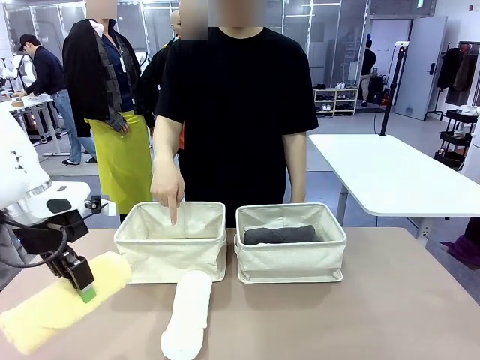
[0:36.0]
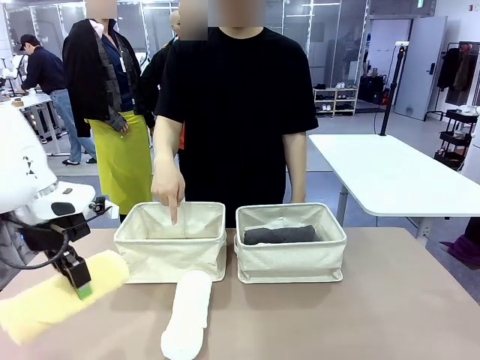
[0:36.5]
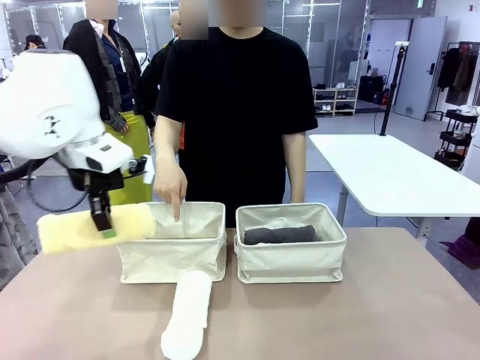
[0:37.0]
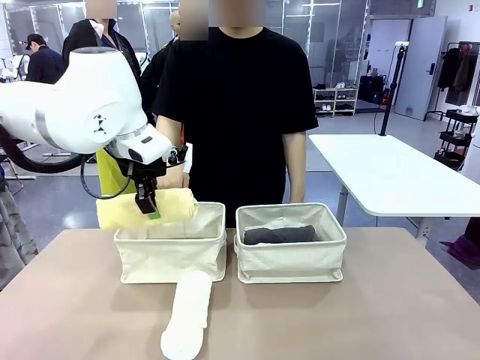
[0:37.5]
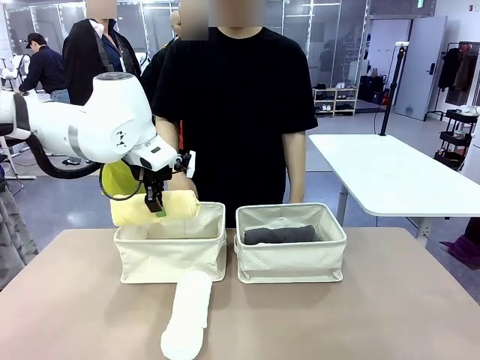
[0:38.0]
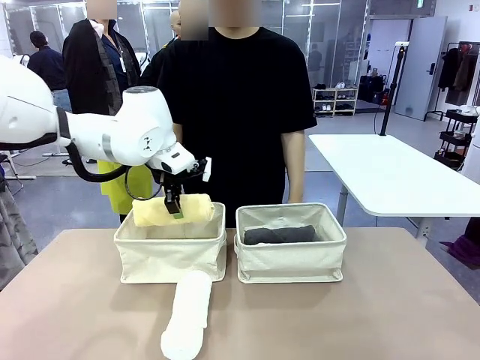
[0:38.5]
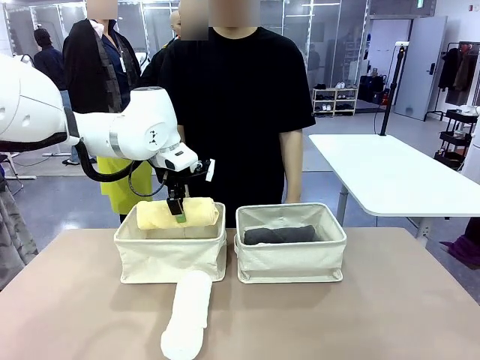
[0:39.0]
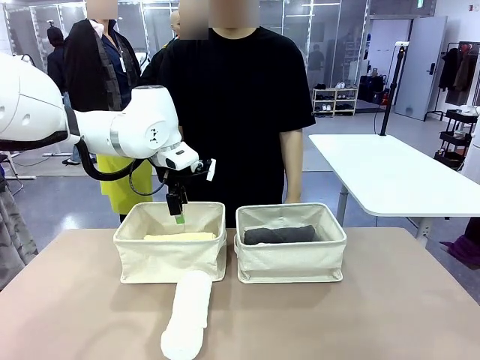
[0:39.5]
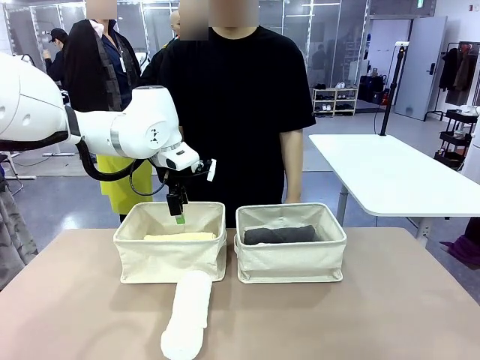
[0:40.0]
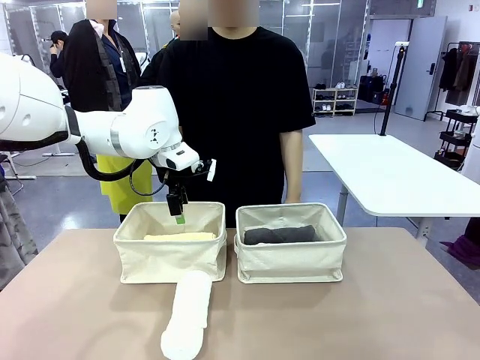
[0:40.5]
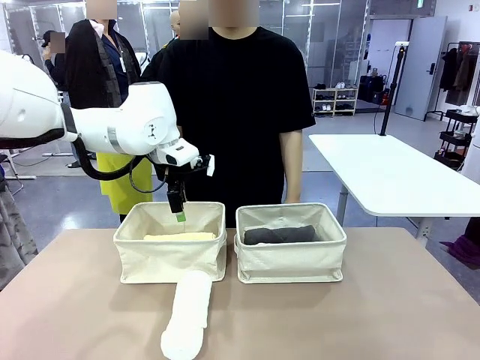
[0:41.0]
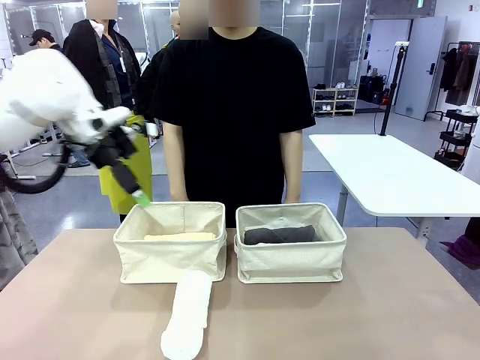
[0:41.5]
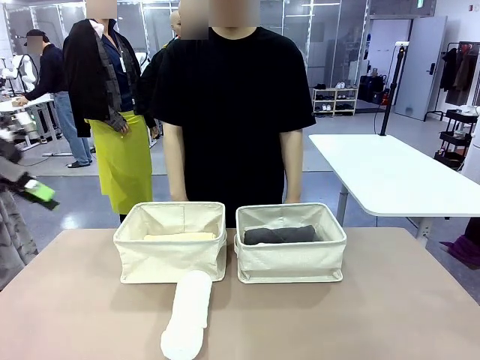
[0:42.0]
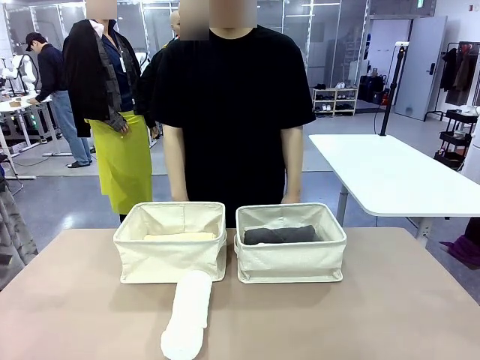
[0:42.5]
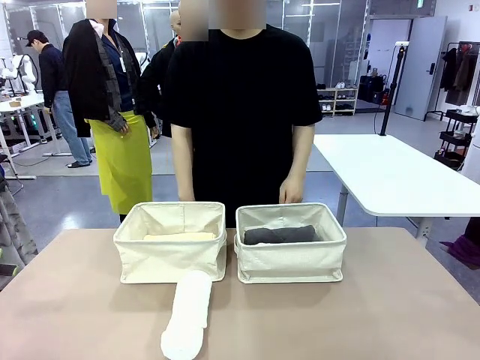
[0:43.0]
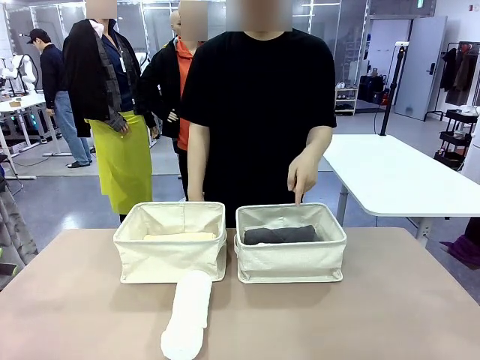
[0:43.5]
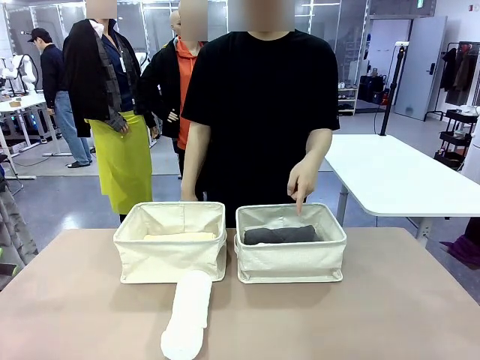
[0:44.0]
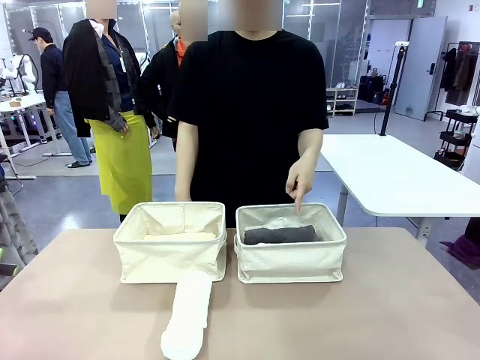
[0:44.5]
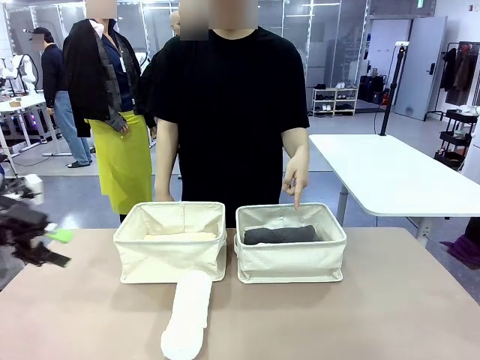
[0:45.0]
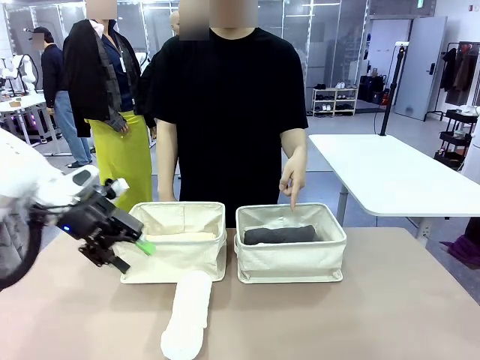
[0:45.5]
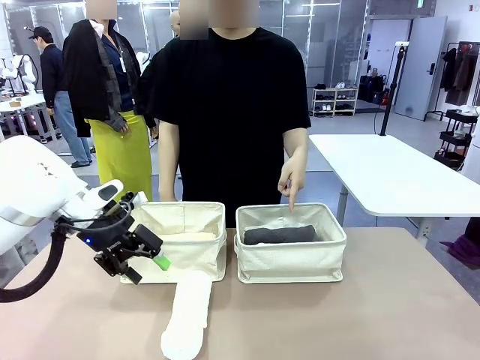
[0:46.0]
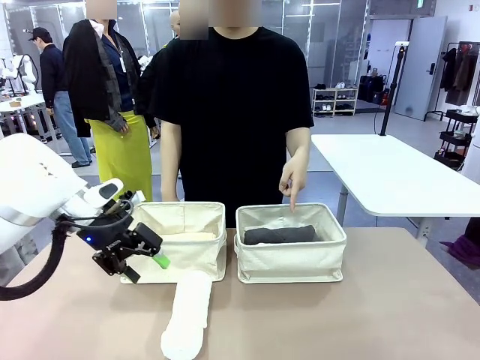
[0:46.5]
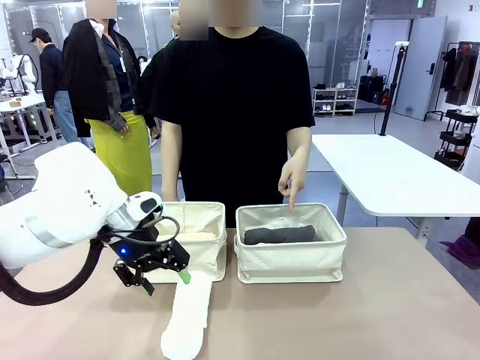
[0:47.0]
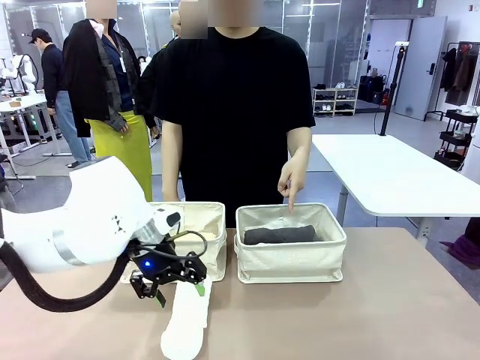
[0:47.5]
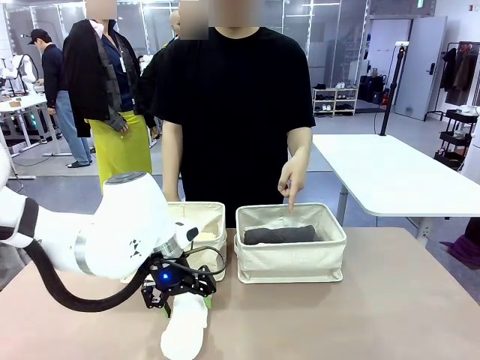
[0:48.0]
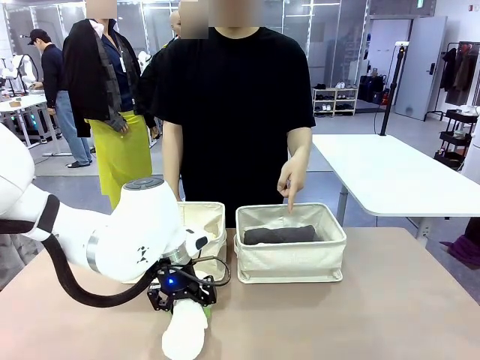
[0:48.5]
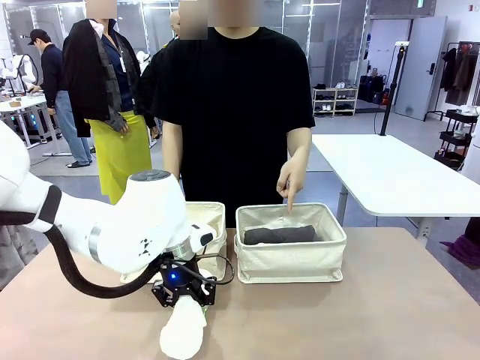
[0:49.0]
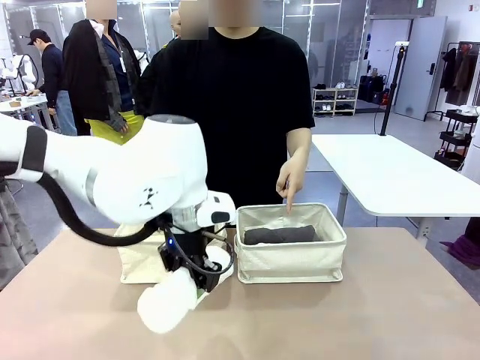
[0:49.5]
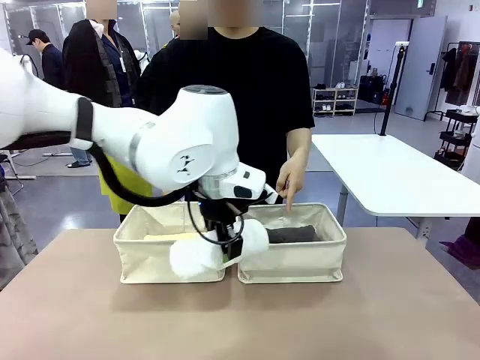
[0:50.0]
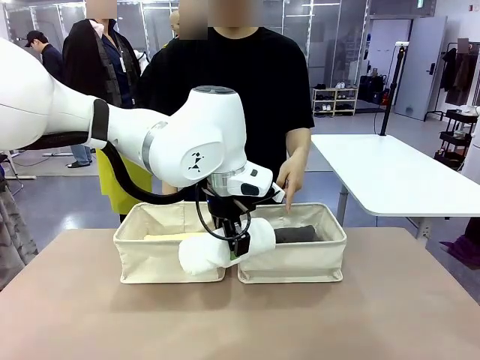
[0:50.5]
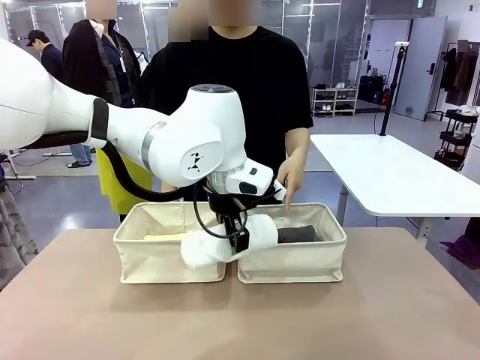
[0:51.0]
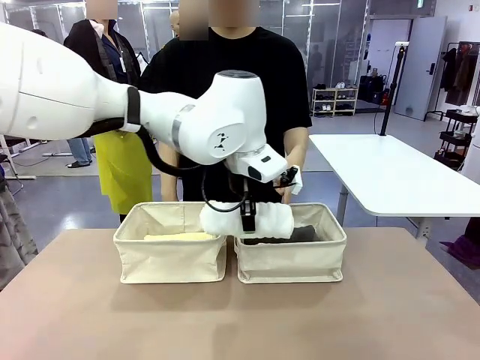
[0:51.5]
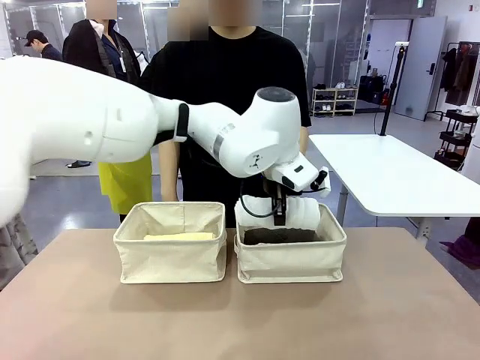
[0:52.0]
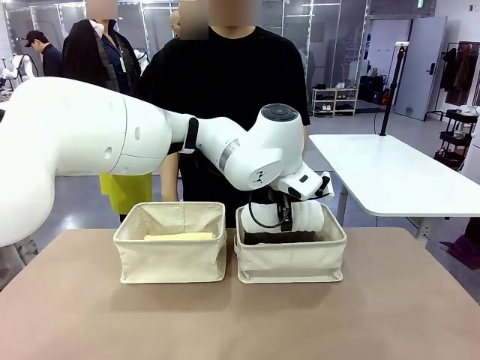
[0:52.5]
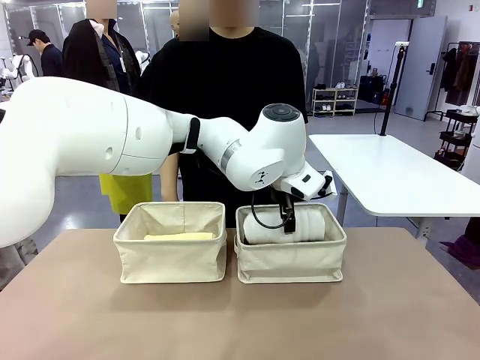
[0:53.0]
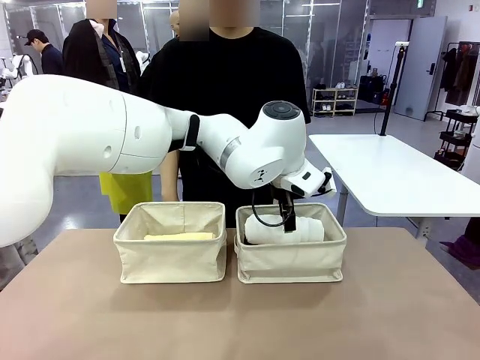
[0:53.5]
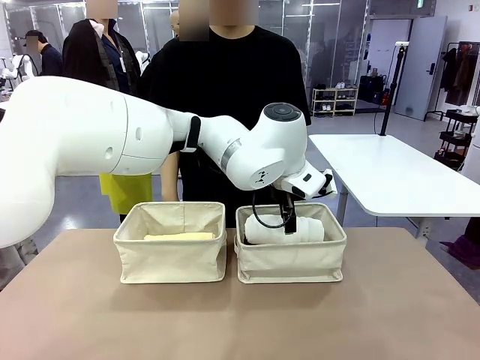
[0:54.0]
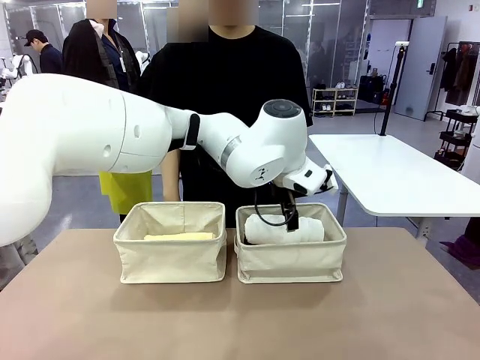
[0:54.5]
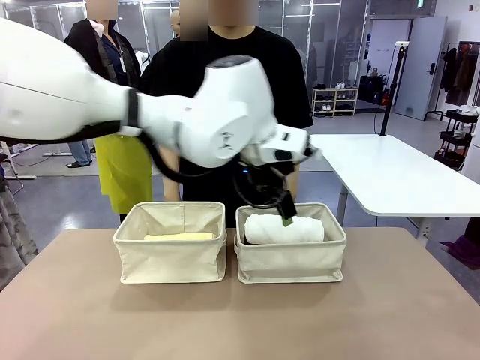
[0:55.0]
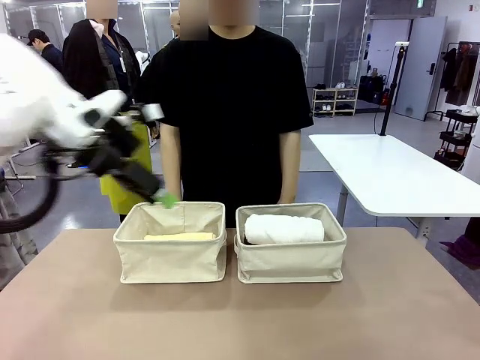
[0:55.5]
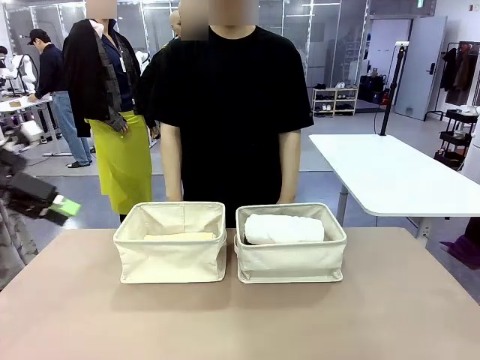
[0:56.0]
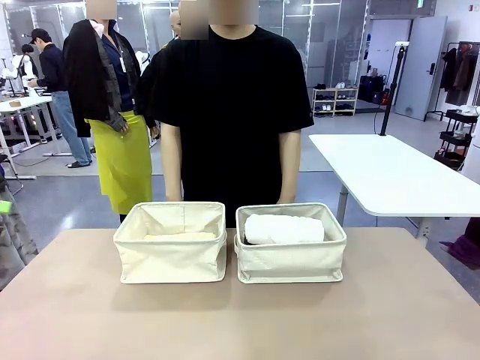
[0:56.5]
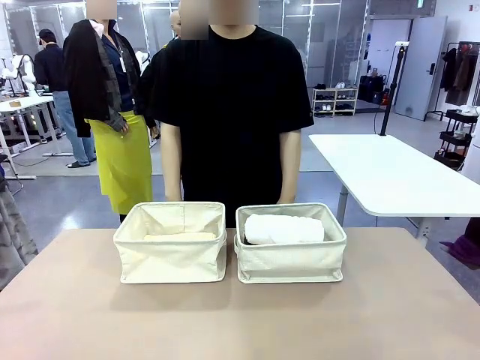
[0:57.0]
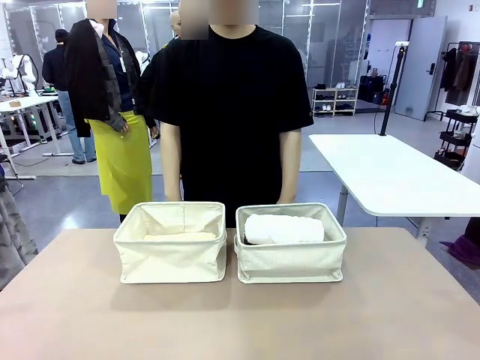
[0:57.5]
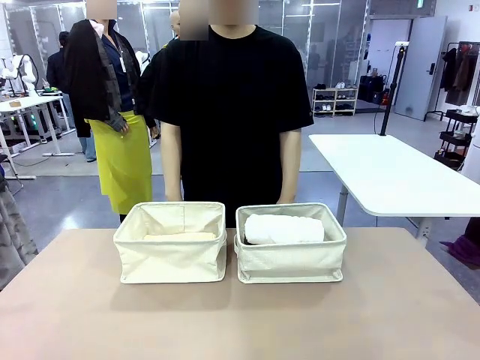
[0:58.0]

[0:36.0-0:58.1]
Task: Divide the towels into two baskets.
Robot: Pick up one hotel-folded towel from the bottom of the table and place it in the Fabric basket indicated by the person.
